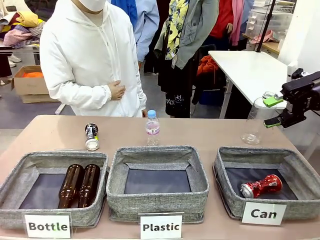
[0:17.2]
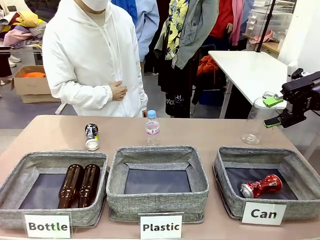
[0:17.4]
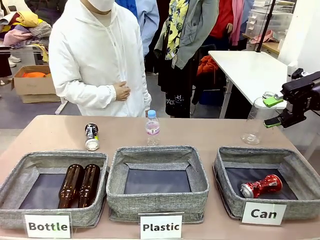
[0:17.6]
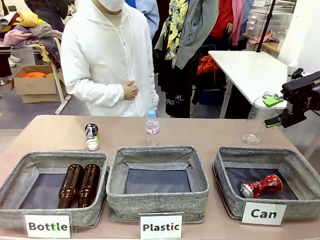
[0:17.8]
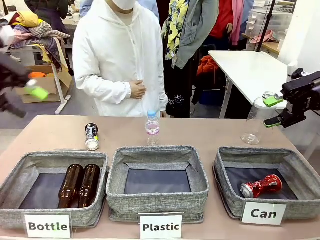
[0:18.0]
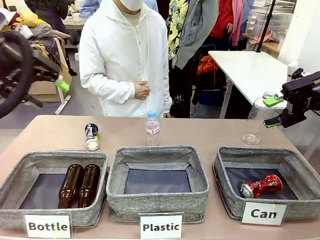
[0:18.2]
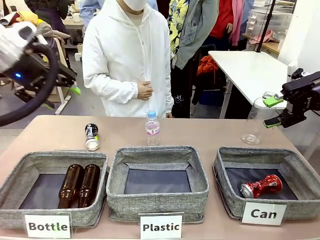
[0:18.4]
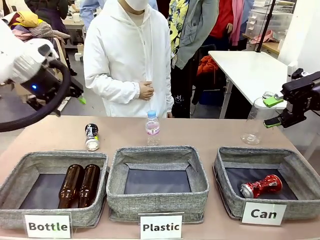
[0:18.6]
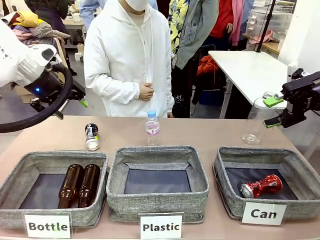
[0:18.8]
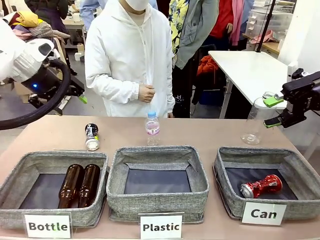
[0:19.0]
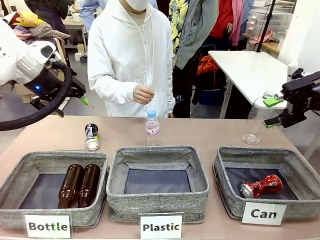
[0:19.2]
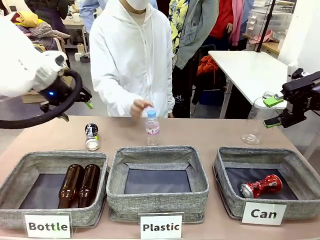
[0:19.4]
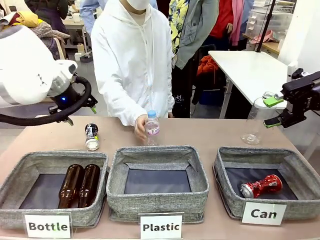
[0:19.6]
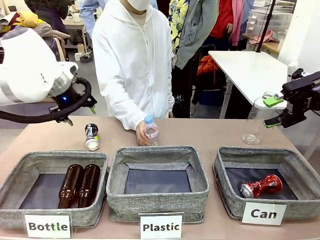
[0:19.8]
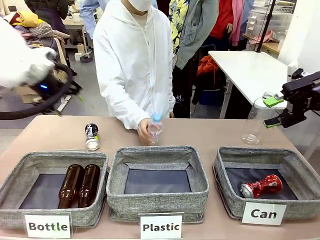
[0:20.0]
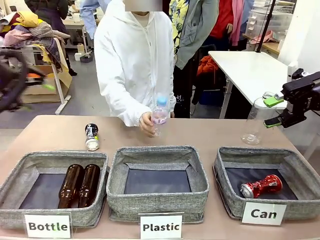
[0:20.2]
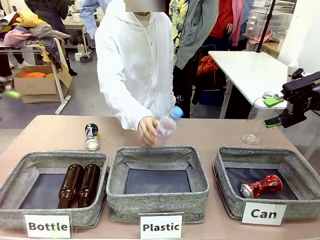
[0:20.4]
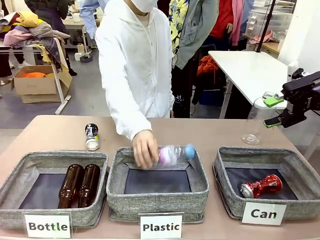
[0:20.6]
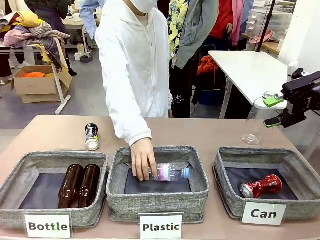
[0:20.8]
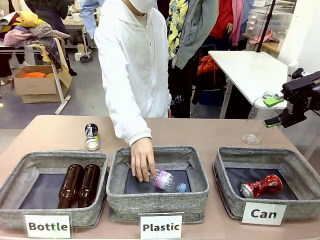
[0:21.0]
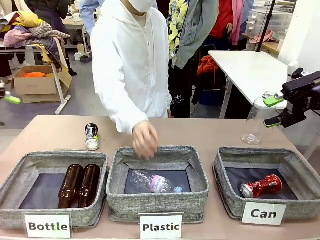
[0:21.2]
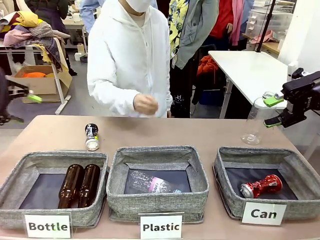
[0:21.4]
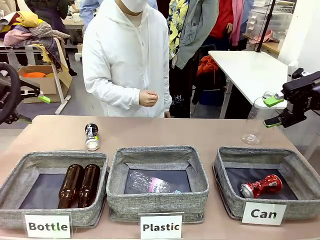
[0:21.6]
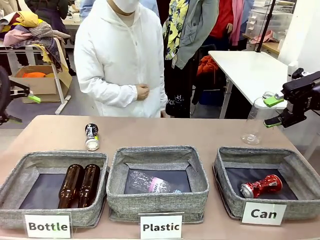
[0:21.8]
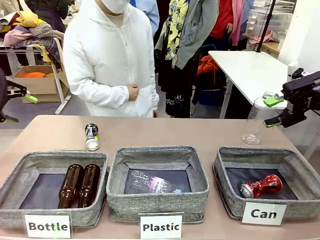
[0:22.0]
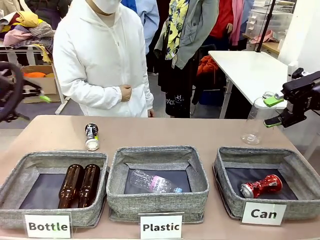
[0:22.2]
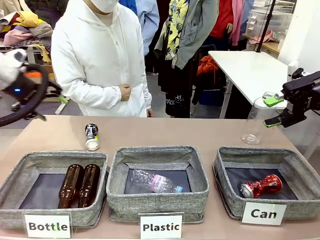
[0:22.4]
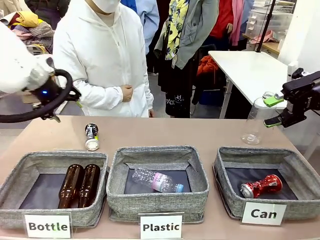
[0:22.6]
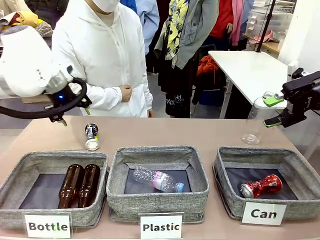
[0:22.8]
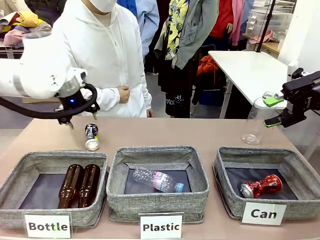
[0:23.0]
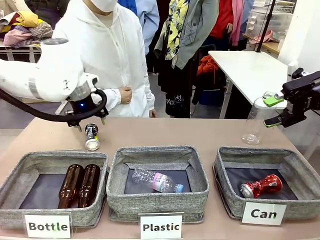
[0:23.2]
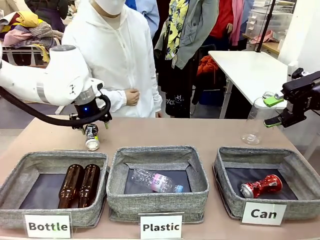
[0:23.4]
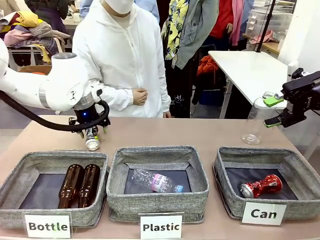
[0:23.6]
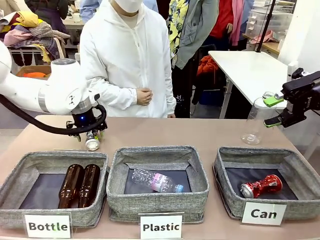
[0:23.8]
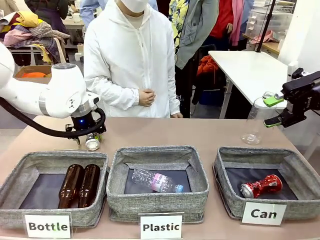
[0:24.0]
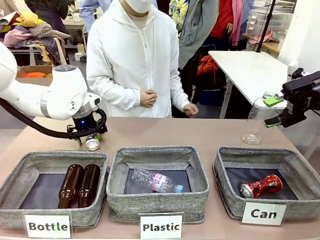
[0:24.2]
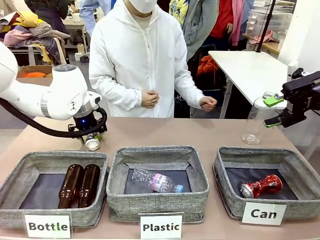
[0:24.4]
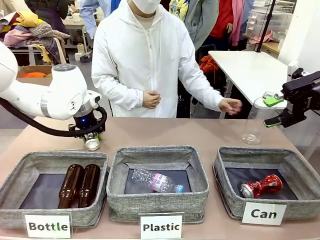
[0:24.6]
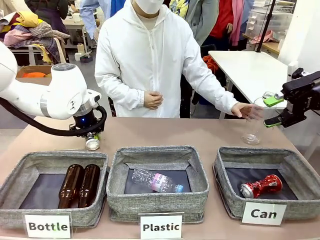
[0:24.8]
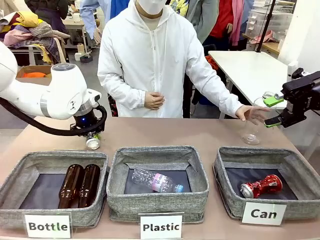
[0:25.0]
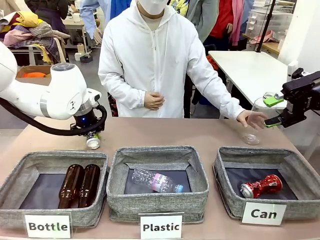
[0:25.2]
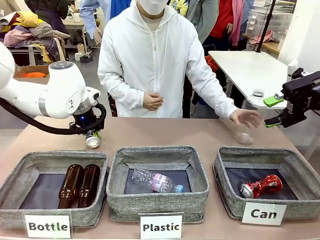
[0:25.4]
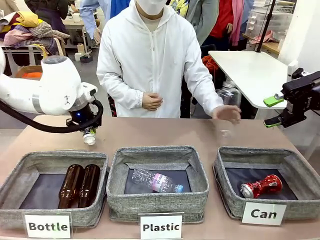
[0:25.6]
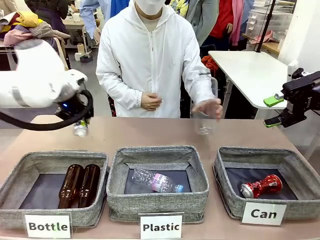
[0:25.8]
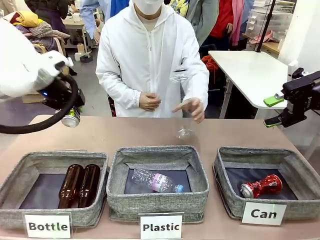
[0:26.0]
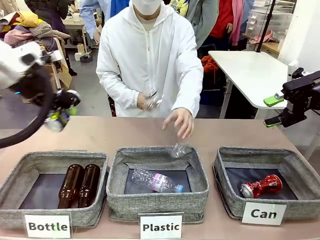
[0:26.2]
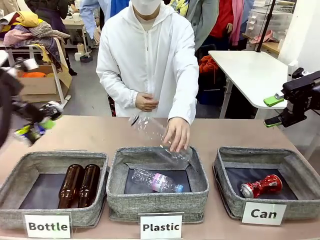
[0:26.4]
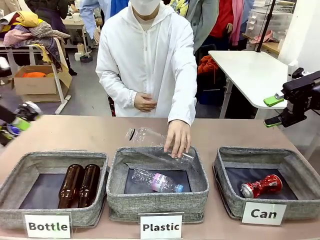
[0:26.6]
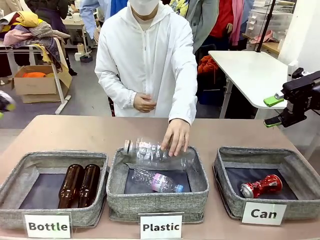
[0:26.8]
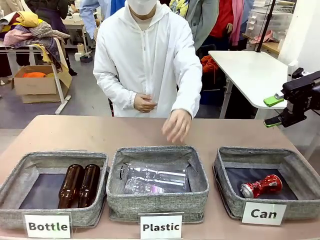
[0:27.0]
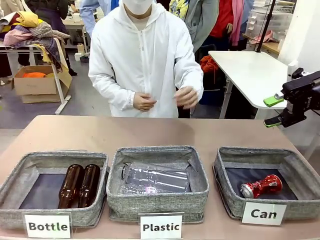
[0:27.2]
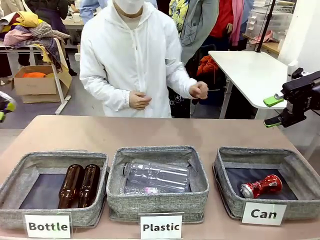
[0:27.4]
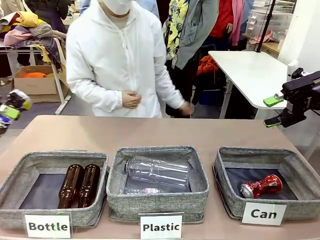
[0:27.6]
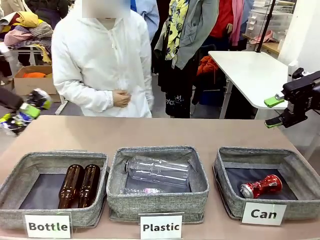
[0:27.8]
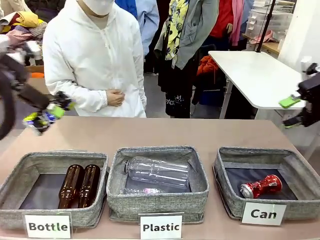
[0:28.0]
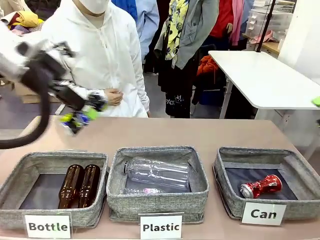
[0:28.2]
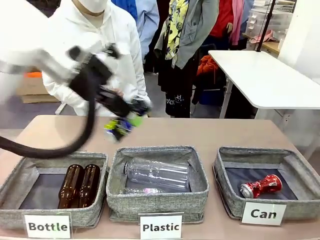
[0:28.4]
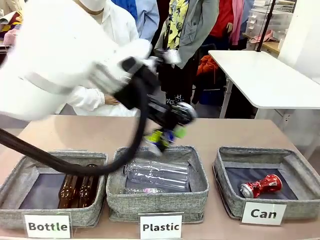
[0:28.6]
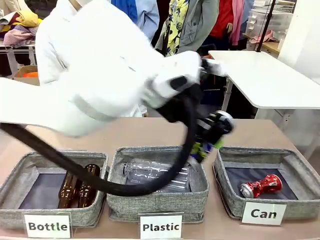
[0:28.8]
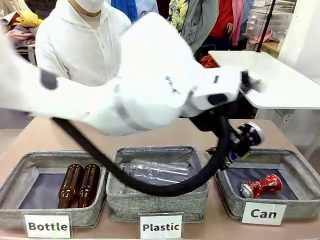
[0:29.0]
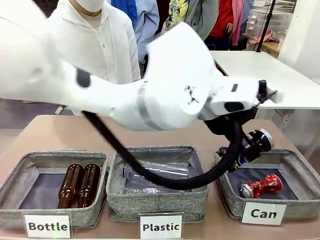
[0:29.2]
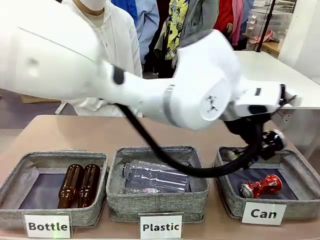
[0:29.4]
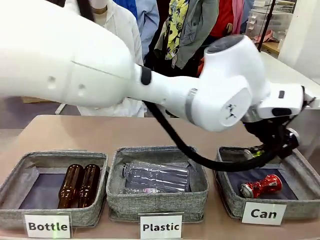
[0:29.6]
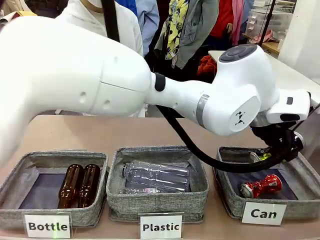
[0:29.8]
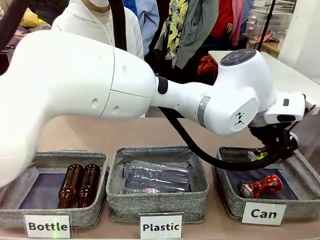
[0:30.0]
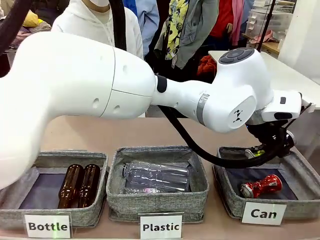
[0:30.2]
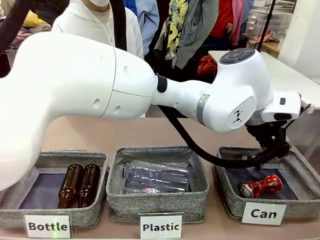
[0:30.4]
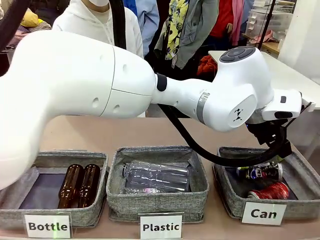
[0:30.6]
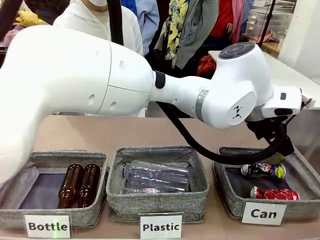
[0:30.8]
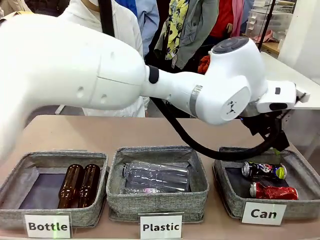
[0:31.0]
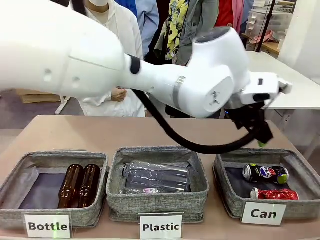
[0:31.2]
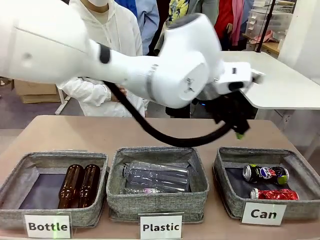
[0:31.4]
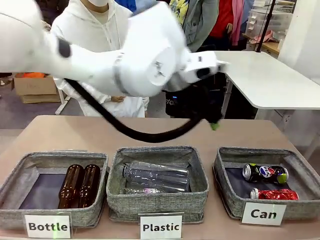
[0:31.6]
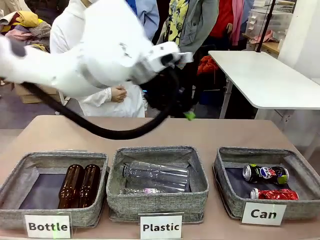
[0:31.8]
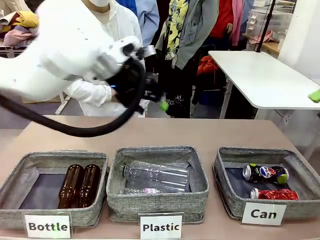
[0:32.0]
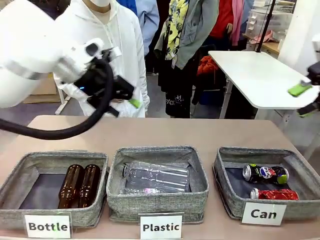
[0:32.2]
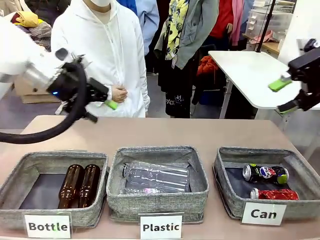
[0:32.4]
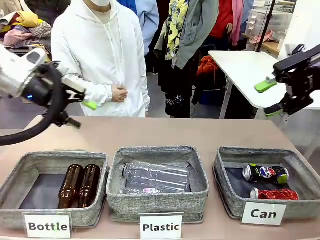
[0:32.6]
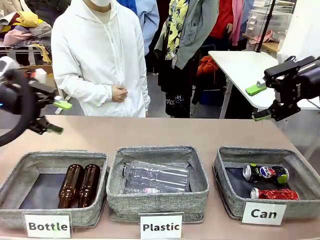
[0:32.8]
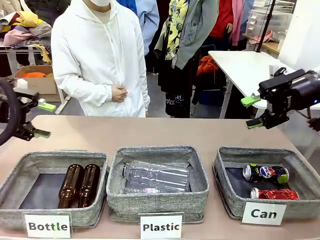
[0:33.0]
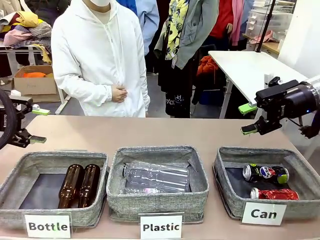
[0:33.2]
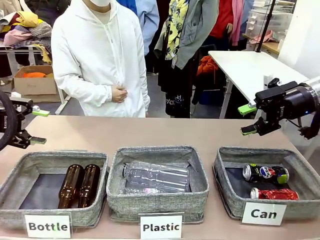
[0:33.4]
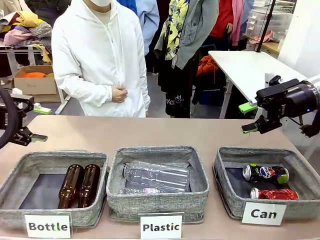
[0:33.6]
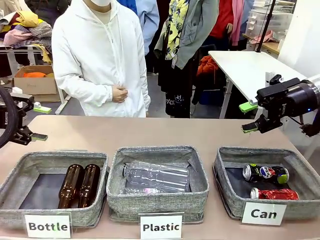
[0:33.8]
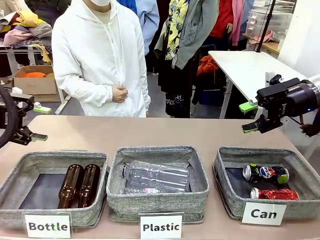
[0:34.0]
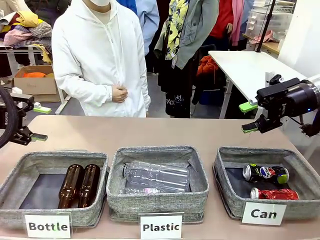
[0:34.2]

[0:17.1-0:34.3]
Task: Sort the can waste into the basket.
Robot: Pick up the can waste from the table and place it in the right Fabric basket.
Person: The human picks up one piece of trash that is not a can and places the trash into the appropriate organizing basket.
